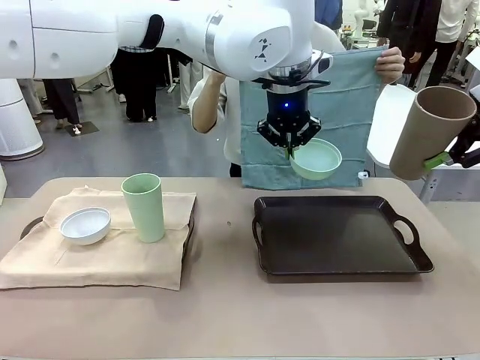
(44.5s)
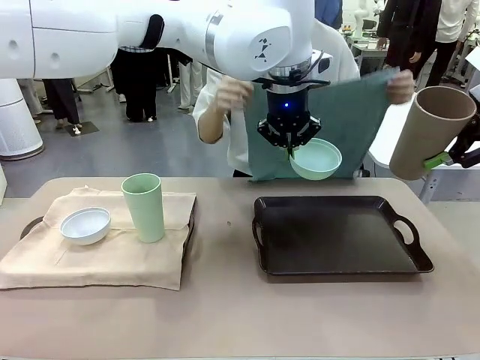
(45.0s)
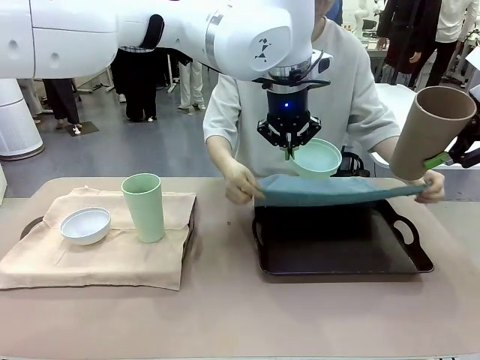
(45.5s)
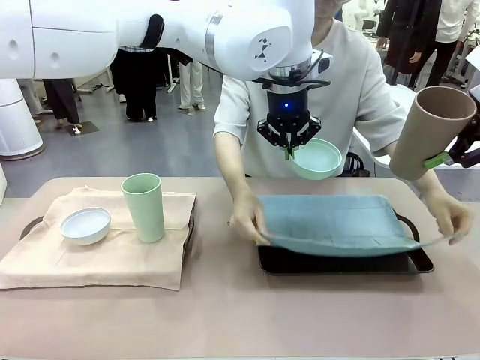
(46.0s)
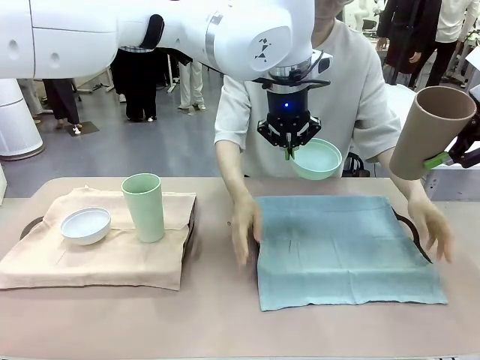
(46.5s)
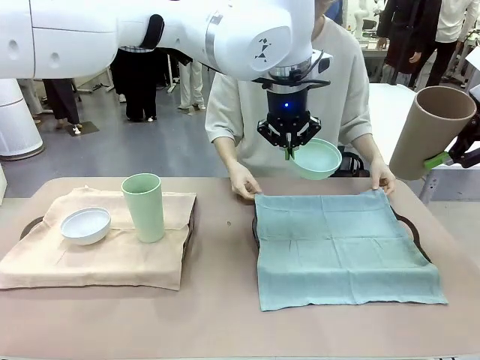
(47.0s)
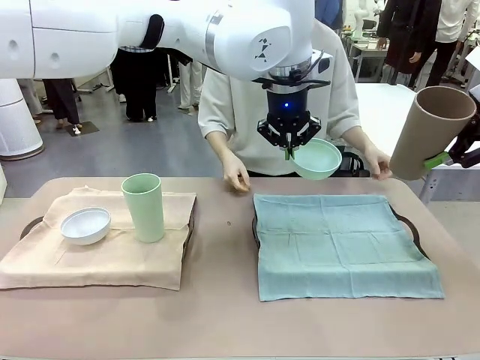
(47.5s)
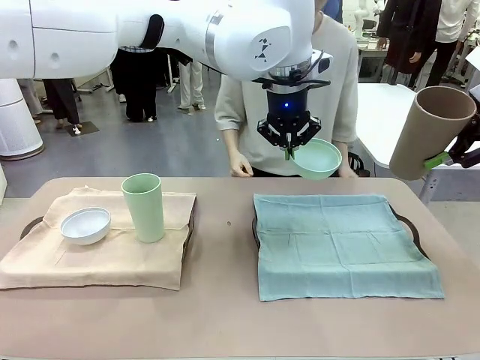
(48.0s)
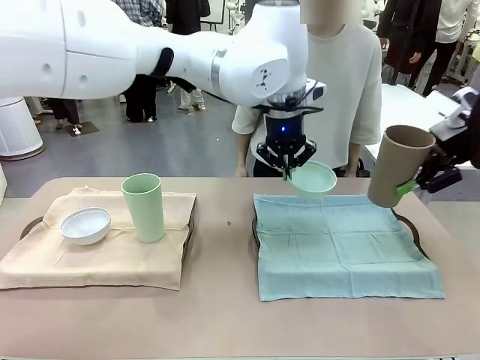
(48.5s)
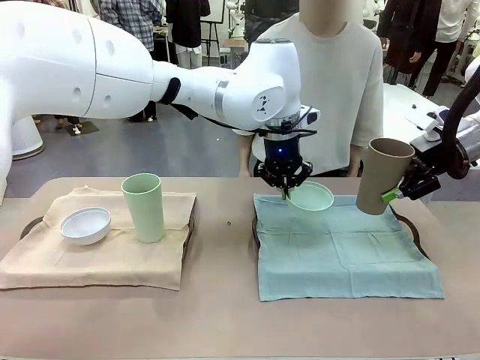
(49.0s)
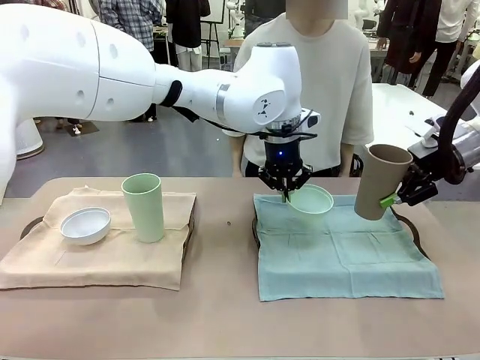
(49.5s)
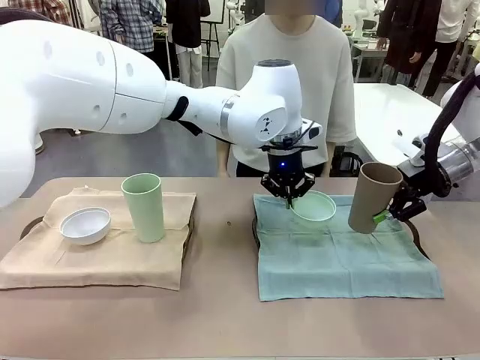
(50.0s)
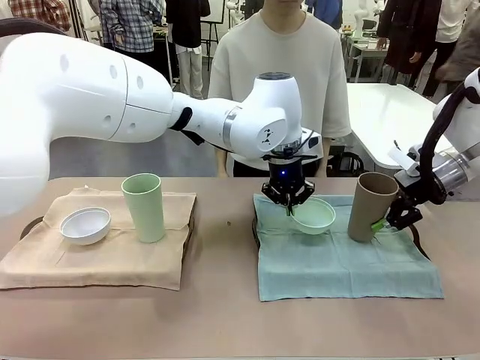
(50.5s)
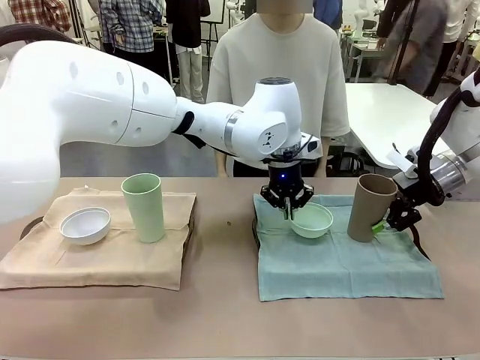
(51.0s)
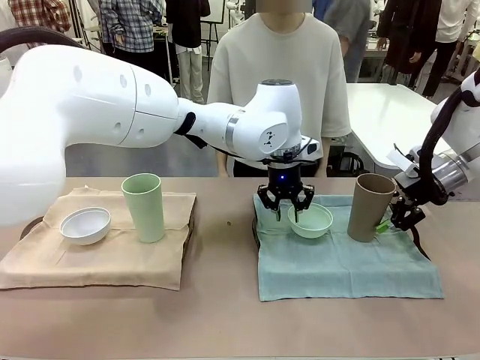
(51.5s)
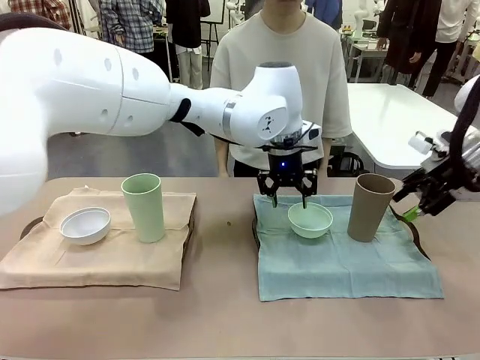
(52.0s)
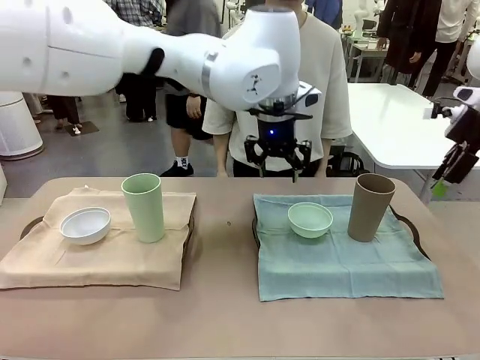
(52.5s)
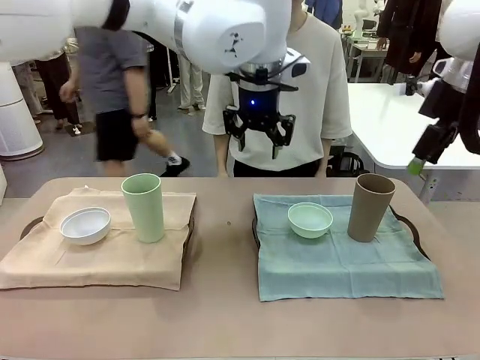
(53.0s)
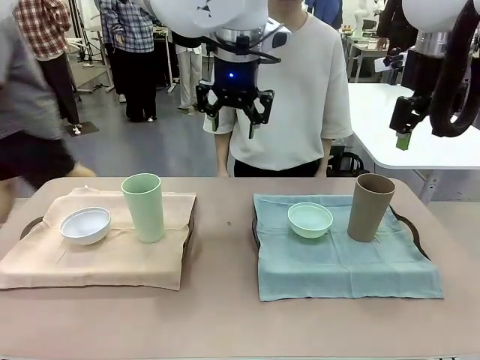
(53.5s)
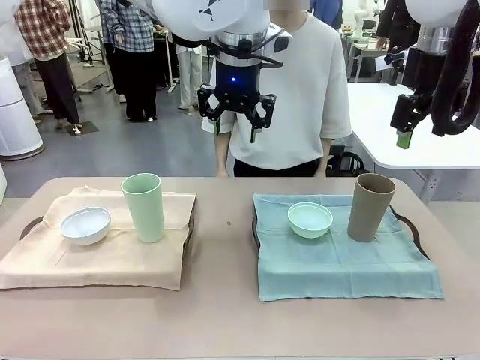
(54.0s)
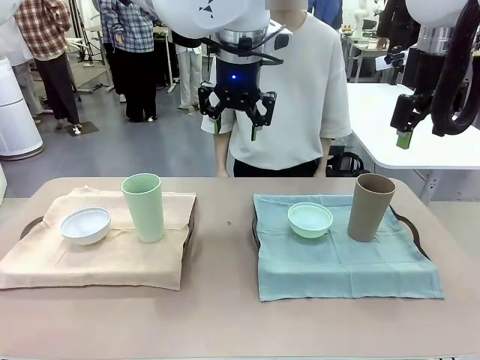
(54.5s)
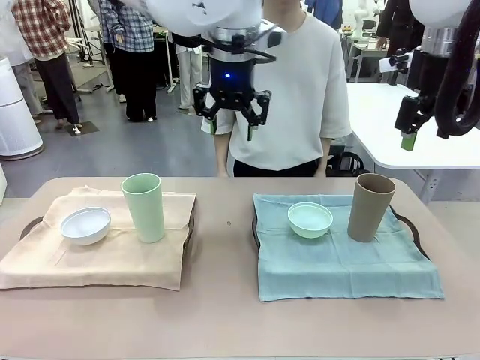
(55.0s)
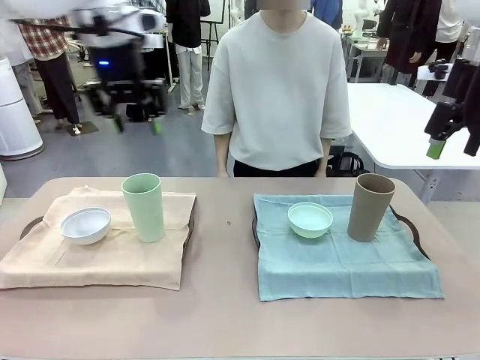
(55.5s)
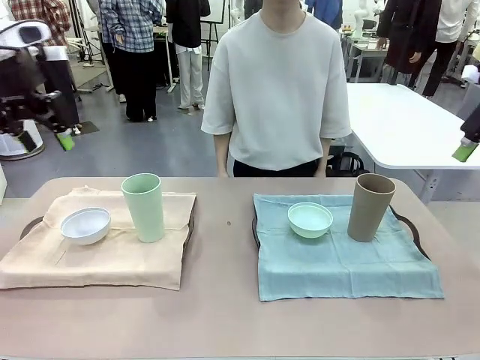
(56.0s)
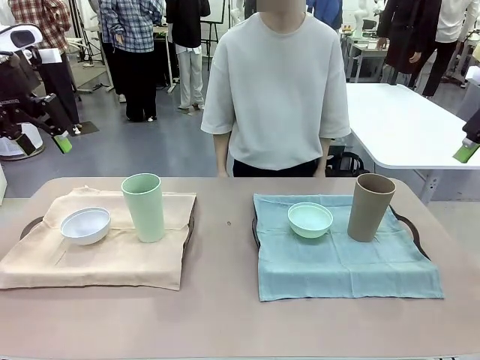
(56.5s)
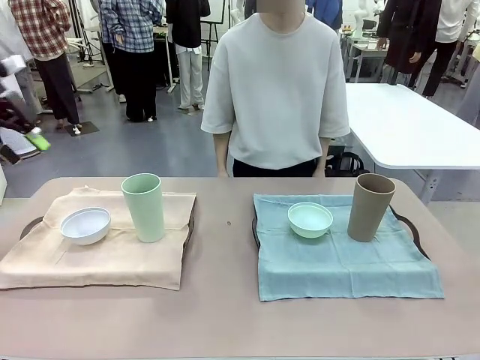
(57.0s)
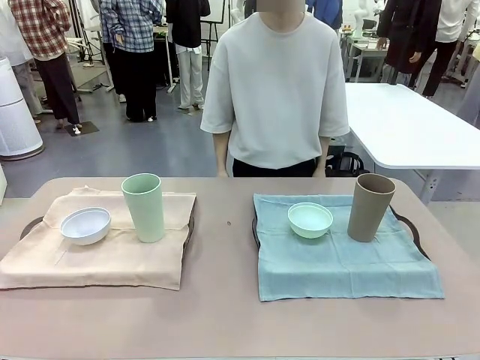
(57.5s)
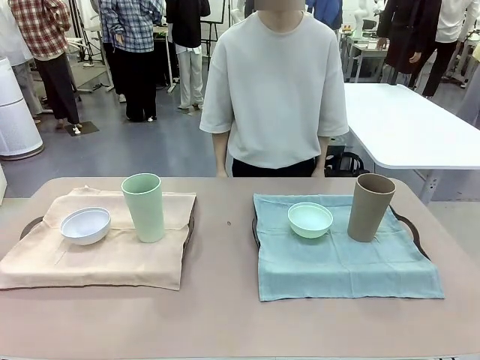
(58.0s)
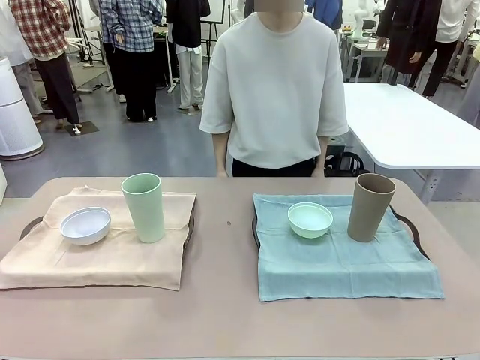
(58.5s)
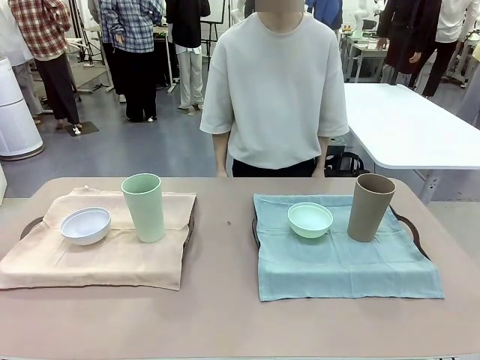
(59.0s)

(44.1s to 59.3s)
Robot: Place the Picnic Bowl and Reusable plastic cup back onto the Handle tray in front of the human's position.
Person: When the robot lifts the bowl and the cup, the human unfolds the napkin and lays the napkin flat on the tray.
